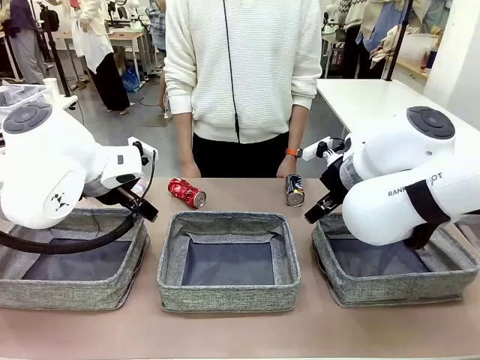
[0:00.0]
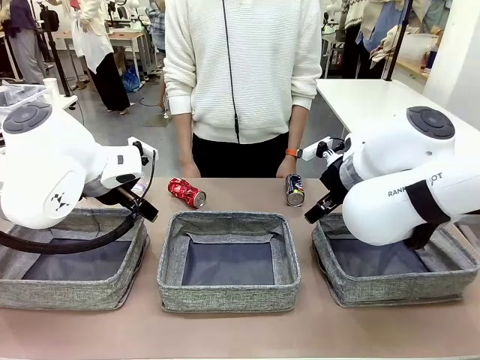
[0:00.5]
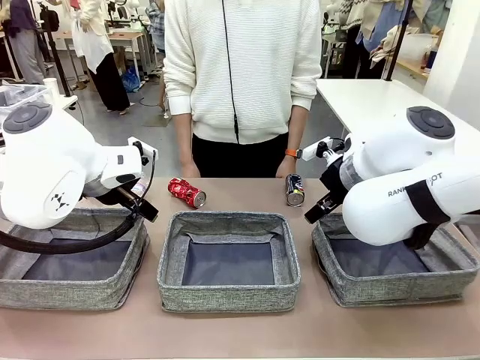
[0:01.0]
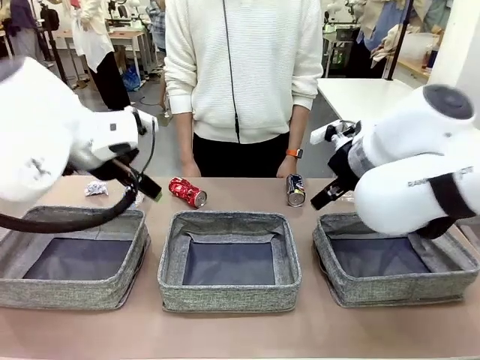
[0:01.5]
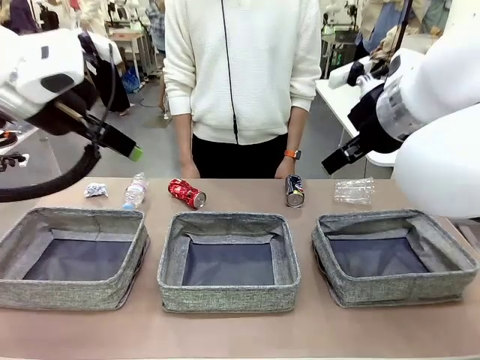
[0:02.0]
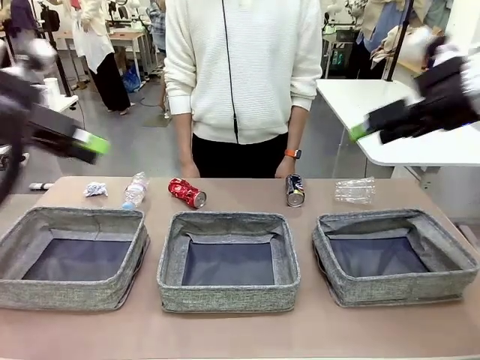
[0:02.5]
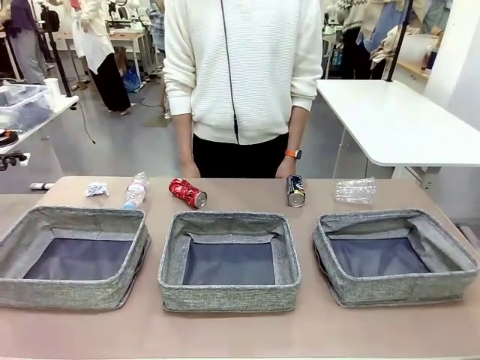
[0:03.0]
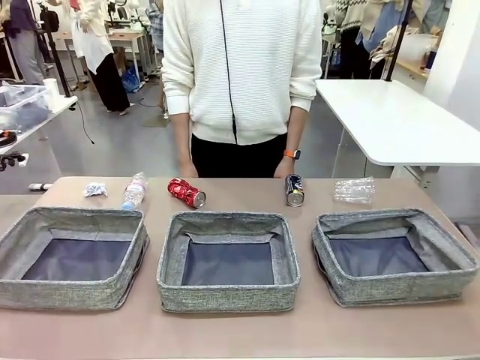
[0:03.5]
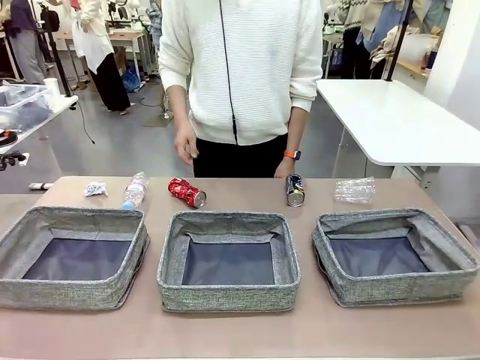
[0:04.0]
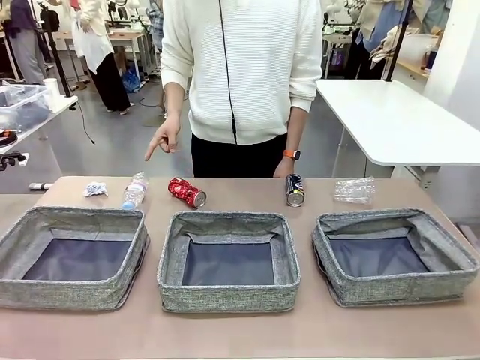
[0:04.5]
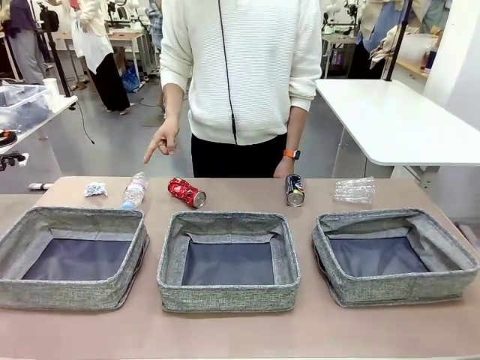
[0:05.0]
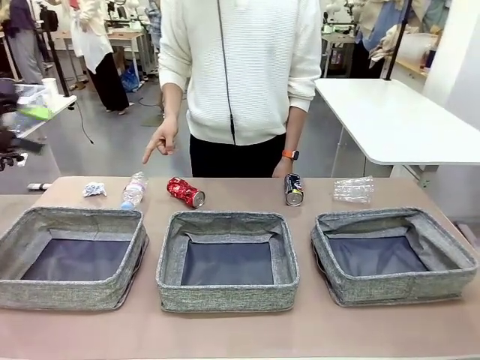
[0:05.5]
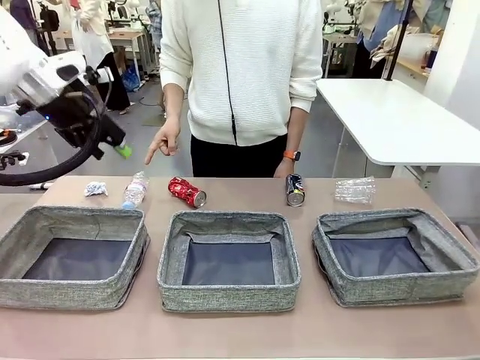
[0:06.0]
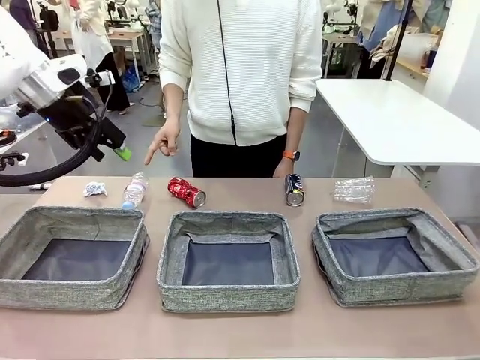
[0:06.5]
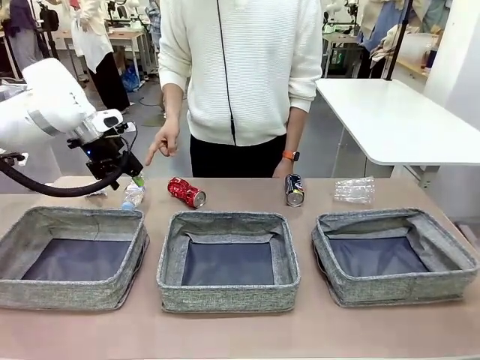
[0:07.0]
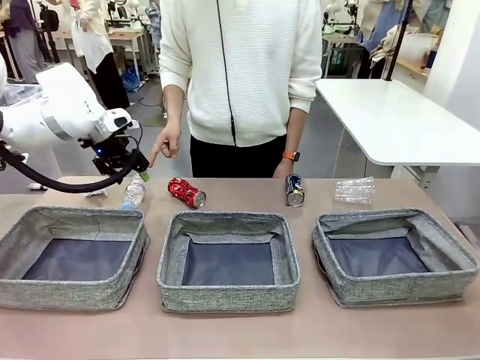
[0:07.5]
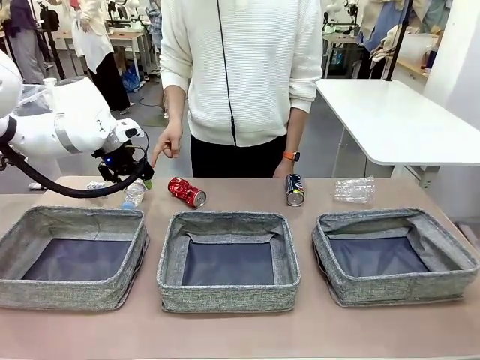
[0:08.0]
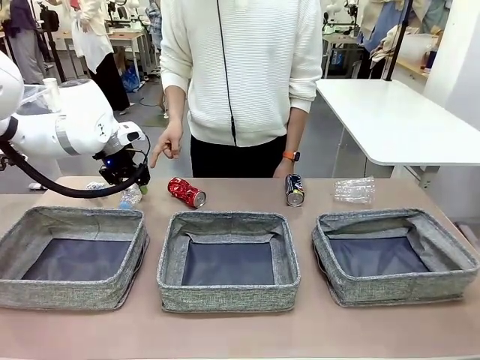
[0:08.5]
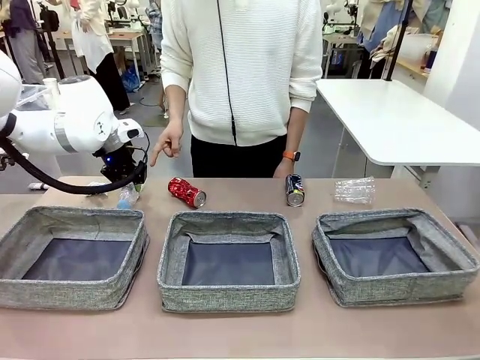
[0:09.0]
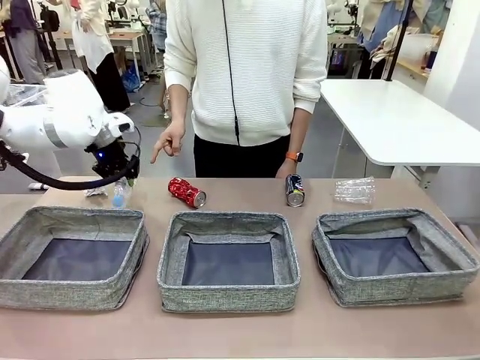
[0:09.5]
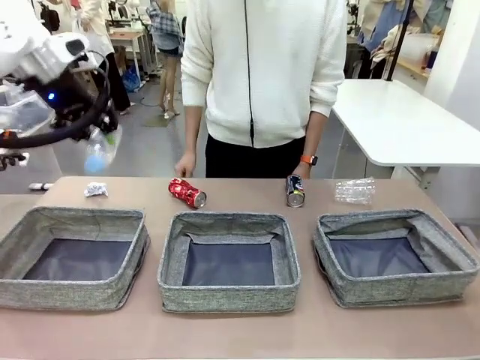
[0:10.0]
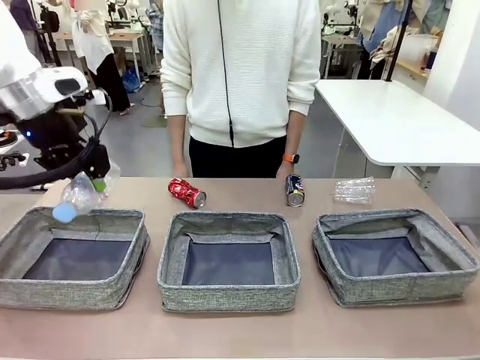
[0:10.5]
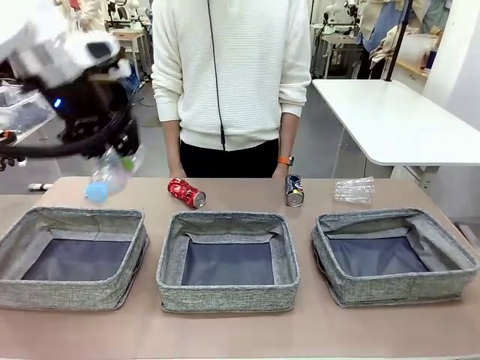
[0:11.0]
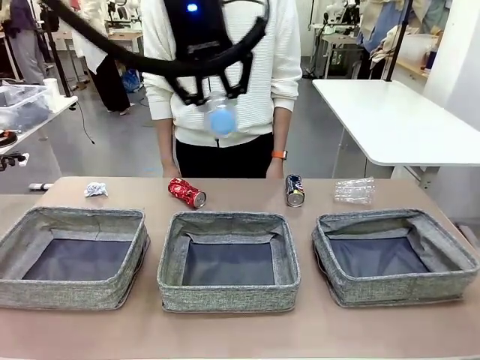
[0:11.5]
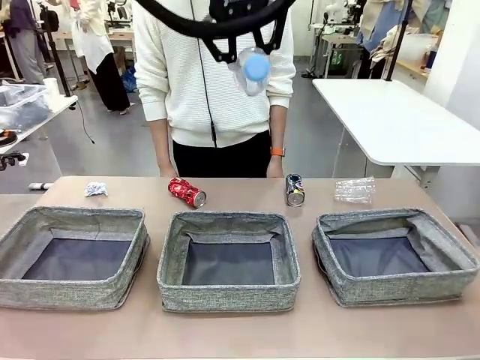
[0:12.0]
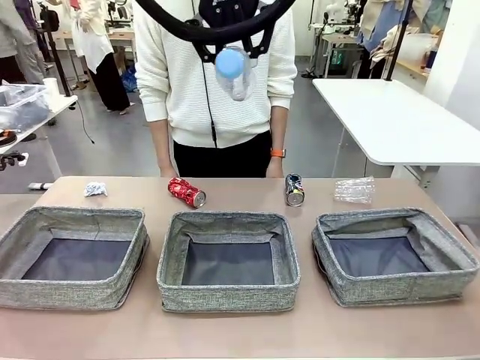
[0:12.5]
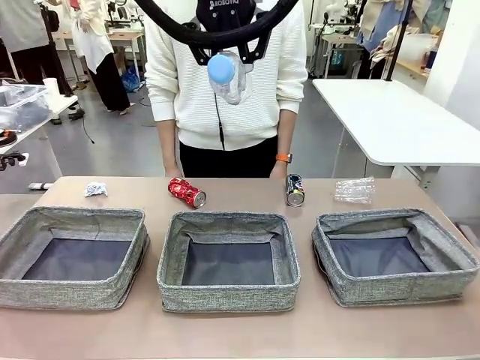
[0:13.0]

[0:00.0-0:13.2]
Task: Sort the waste into the appropriate baskets.
Robot: Pick up the waste item pointed out by the person.
Person: Points to one piece of trash on the table.

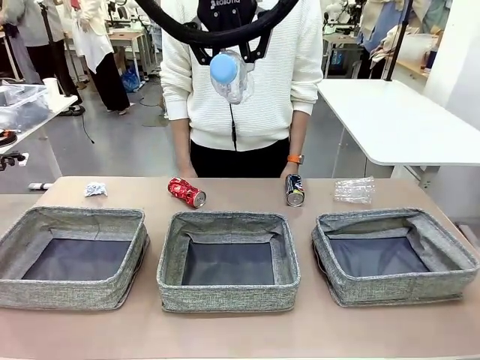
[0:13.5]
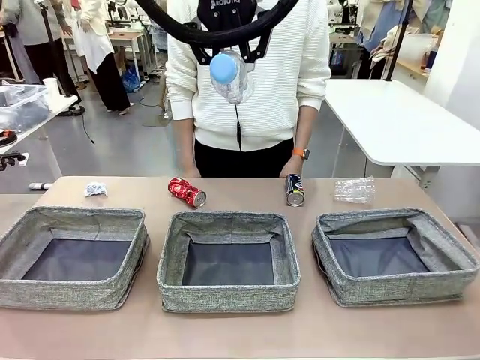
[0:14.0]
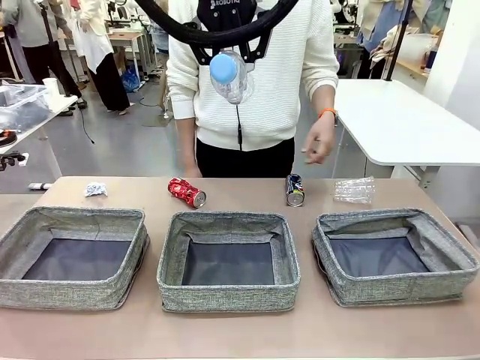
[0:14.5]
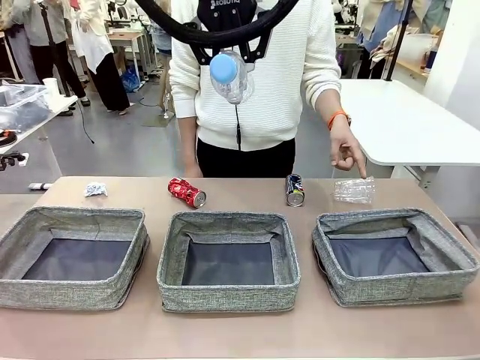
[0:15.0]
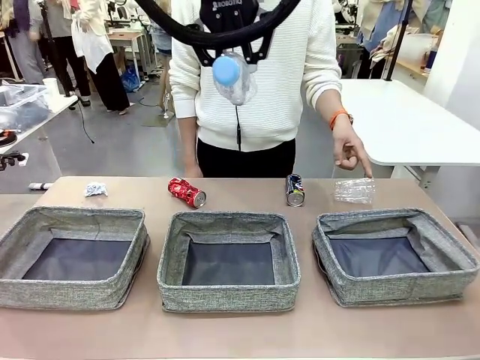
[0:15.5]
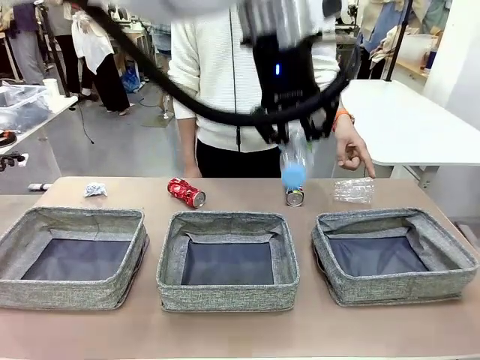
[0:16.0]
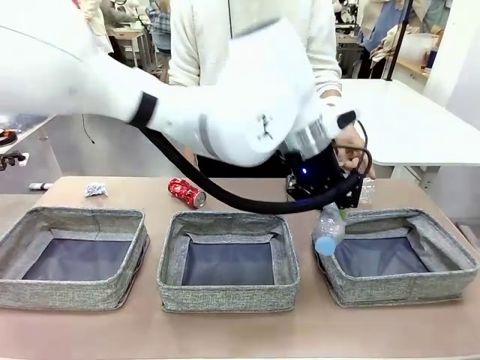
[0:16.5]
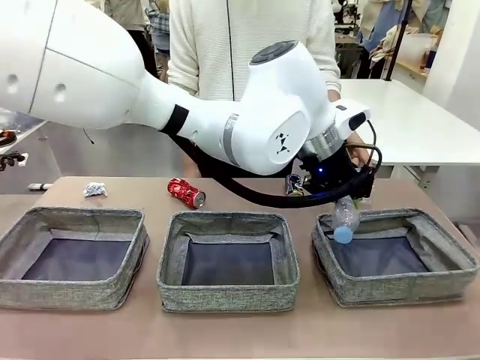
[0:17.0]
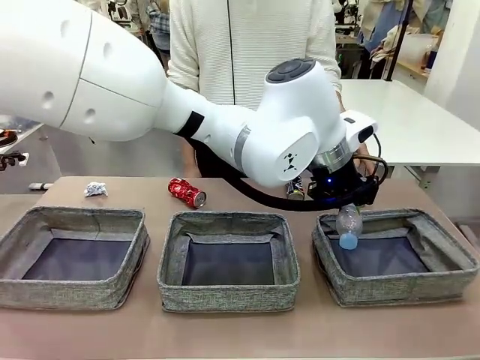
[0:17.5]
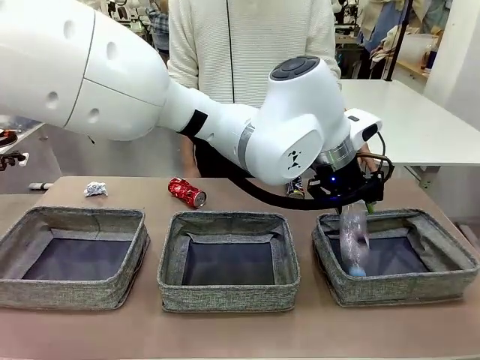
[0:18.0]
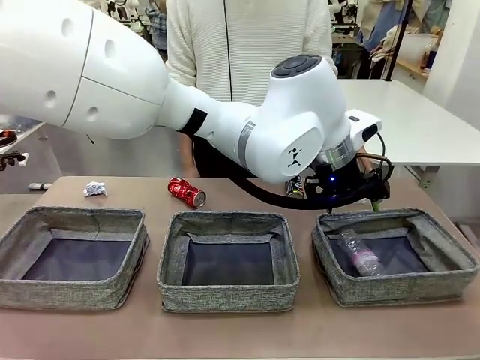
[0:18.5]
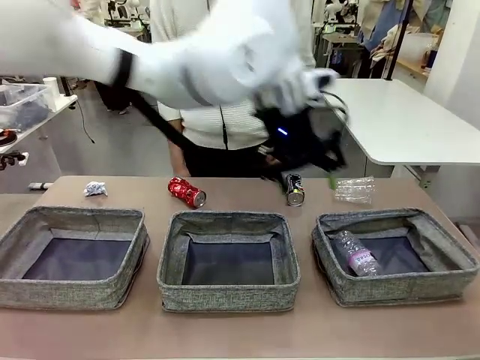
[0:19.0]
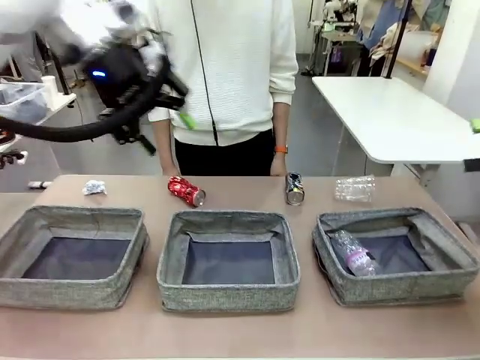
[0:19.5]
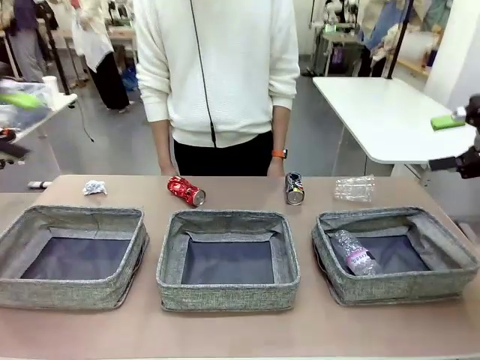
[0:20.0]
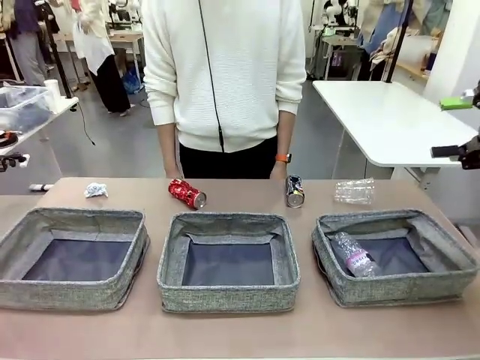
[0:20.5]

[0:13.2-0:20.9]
Robot: Place the picked waste into the Fabric basket indicated by the person.
Person: Instructs the robot to place the picked-up trash into the appropriate organizing basket.

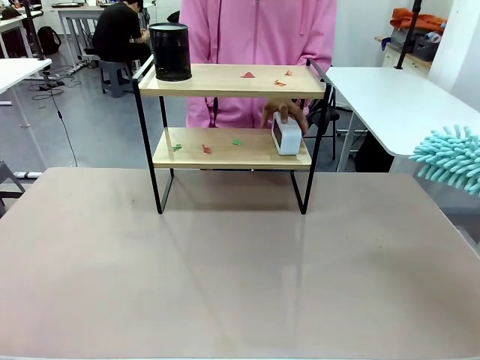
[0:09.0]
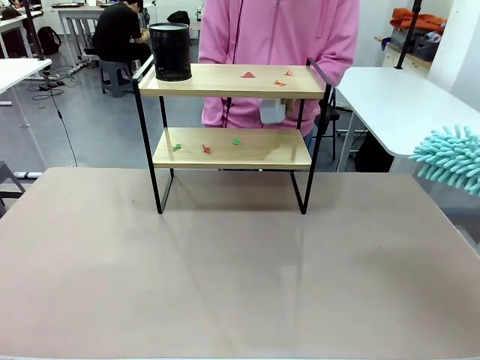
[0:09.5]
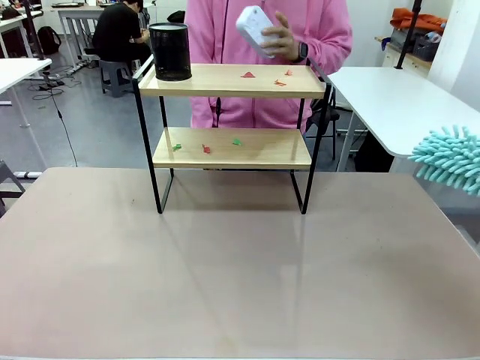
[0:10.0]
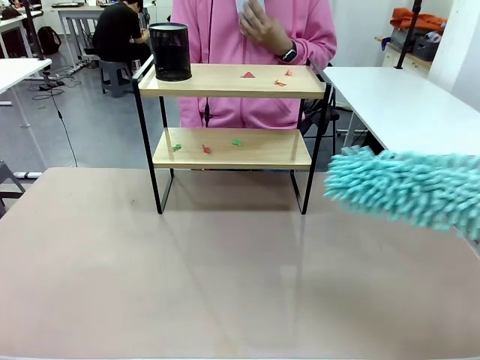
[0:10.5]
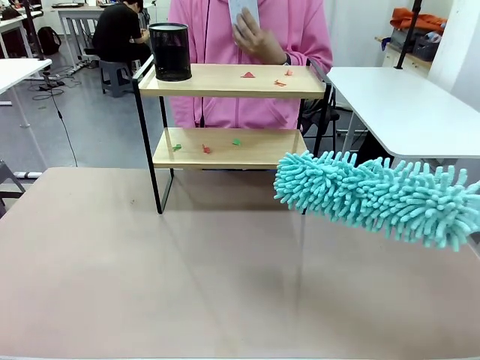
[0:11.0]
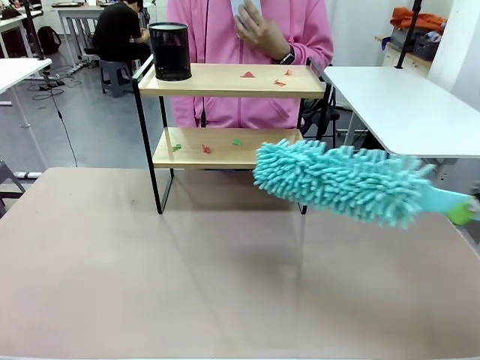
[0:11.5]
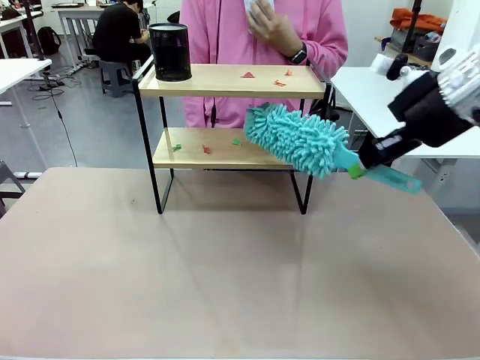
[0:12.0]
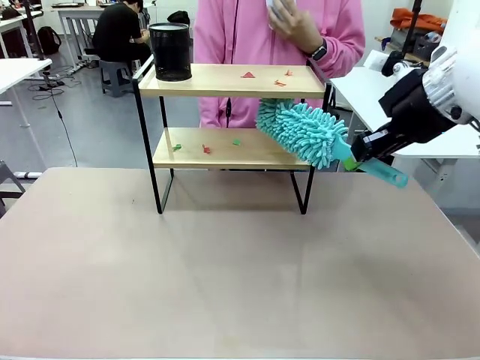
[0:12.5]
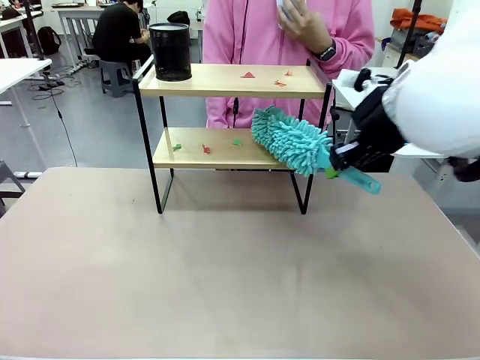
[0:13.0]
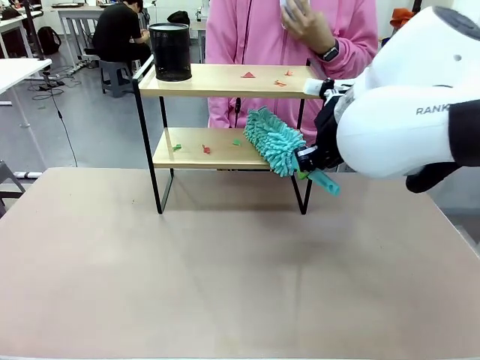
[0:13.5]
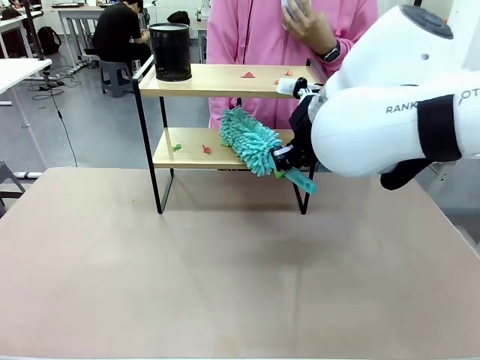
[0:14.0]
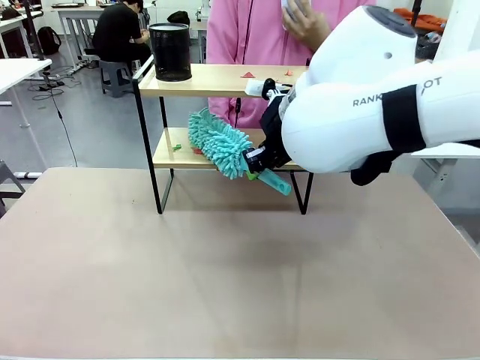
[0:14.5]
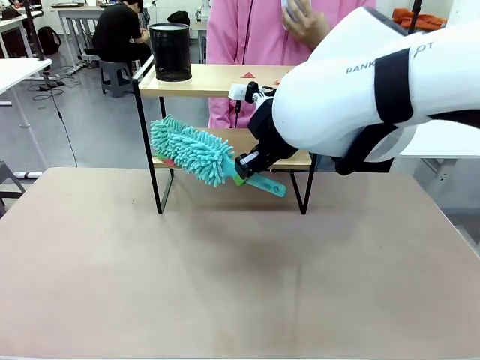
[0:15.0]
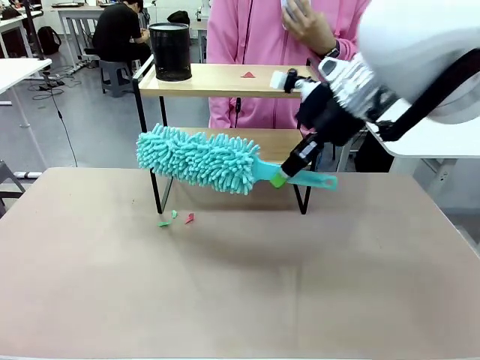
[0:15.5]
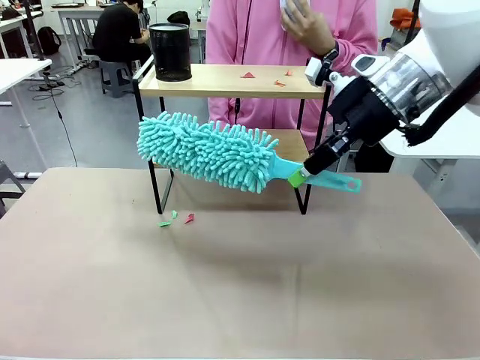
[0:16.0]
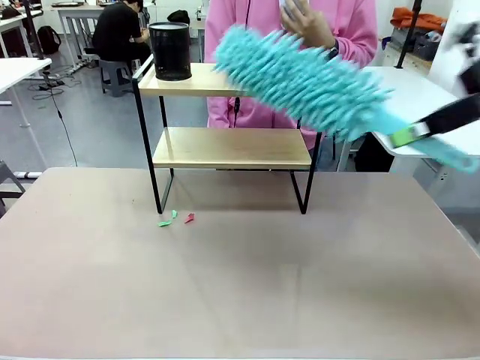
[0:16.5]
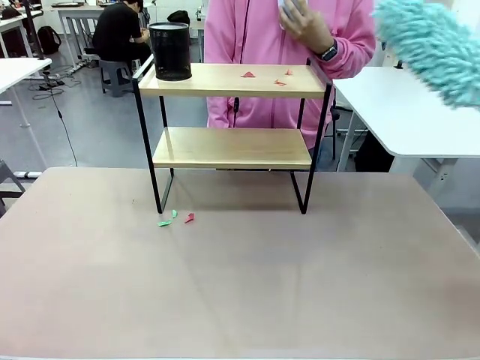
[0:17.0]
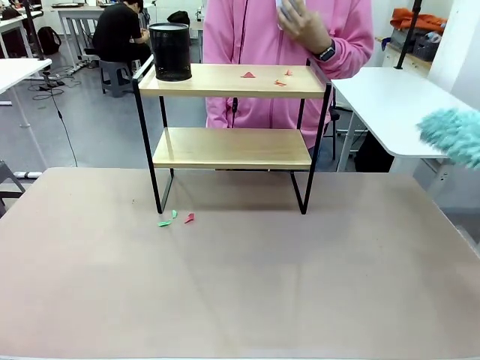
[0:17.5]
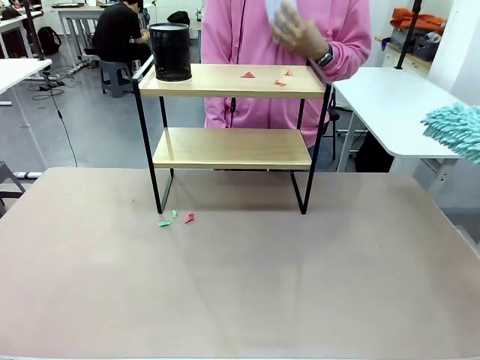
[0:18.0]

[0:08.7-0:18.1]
Task: Clean the shelf.
Robot: Clean the specific tier of the Shelf with the Duster once objects are removed.
Person: Lift the objects on a randomly selected tier of the Shelf. Once the robot finishes cleaning, lift the objects on the remaining tiers of the Shelf.
